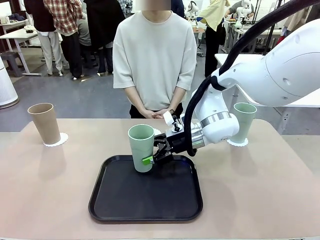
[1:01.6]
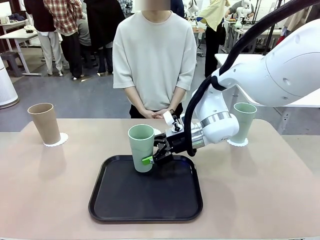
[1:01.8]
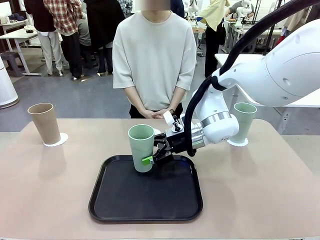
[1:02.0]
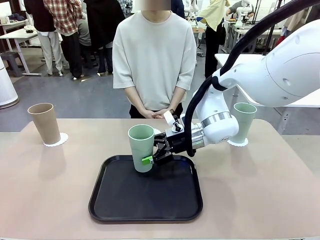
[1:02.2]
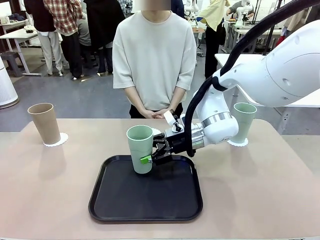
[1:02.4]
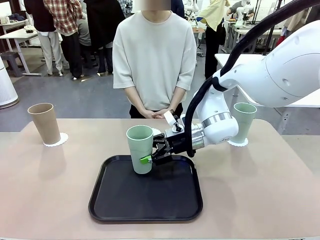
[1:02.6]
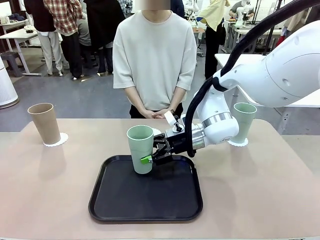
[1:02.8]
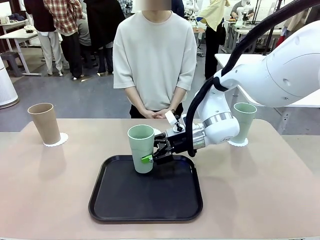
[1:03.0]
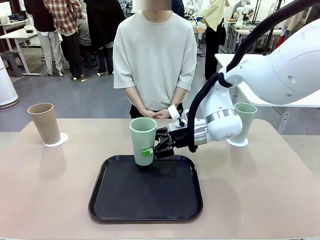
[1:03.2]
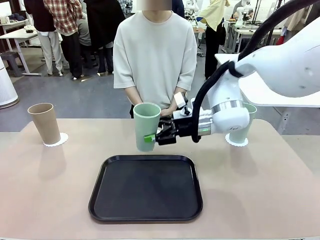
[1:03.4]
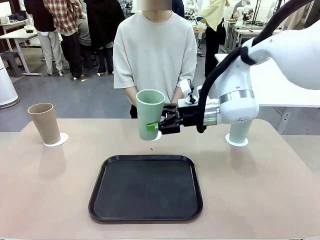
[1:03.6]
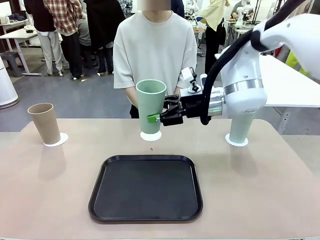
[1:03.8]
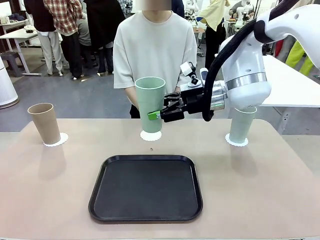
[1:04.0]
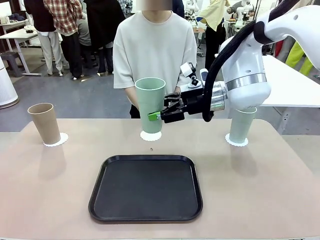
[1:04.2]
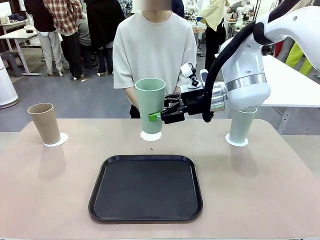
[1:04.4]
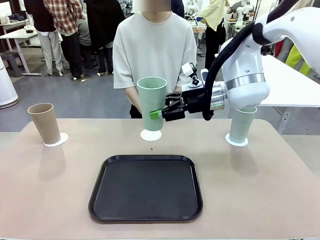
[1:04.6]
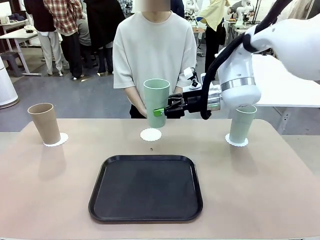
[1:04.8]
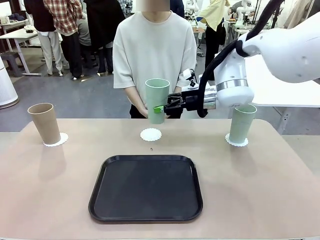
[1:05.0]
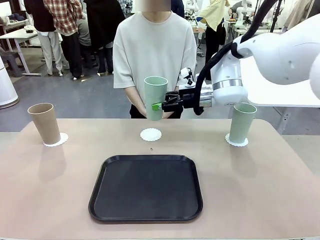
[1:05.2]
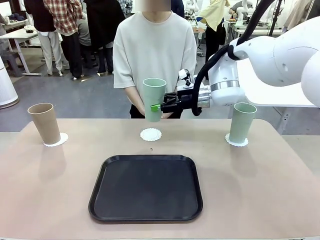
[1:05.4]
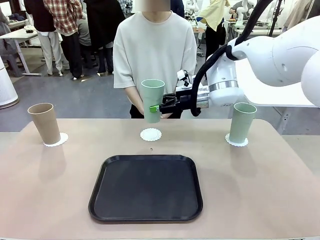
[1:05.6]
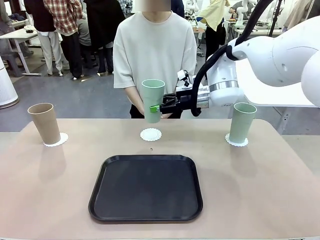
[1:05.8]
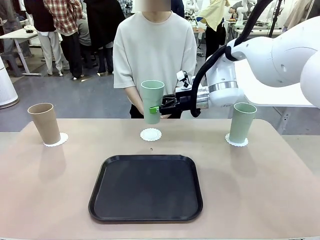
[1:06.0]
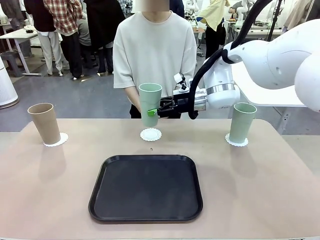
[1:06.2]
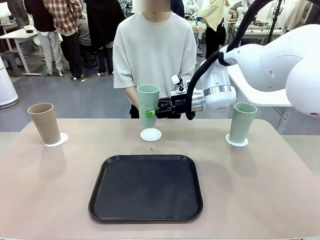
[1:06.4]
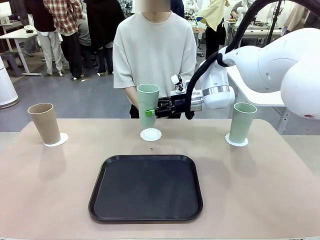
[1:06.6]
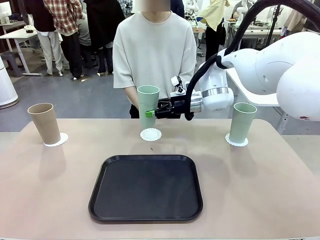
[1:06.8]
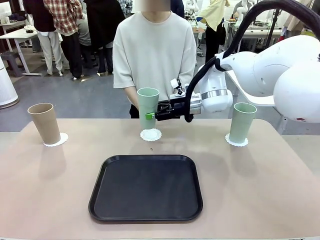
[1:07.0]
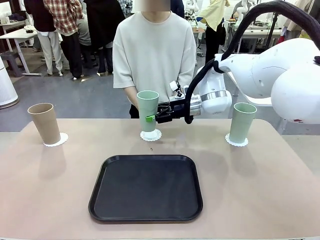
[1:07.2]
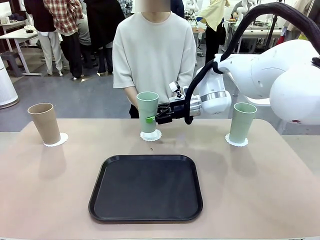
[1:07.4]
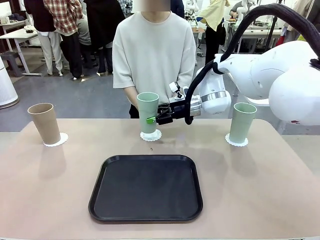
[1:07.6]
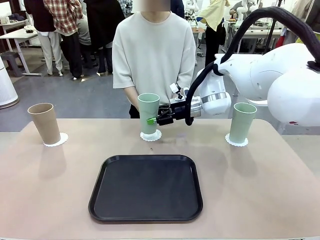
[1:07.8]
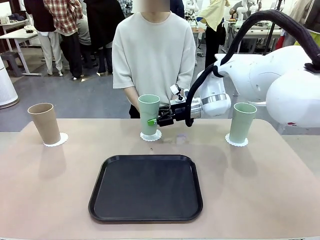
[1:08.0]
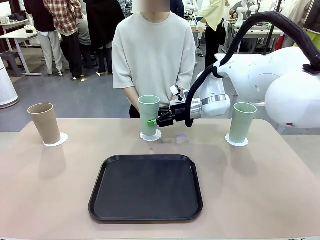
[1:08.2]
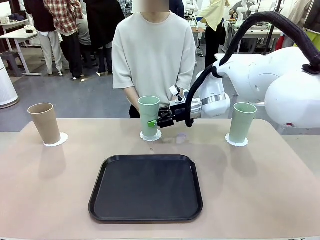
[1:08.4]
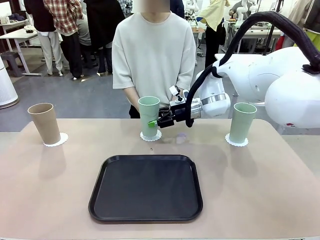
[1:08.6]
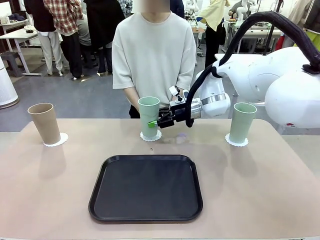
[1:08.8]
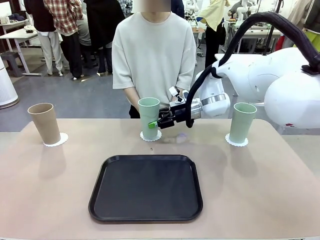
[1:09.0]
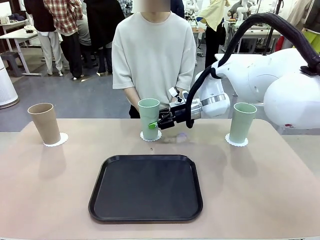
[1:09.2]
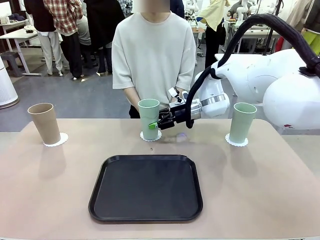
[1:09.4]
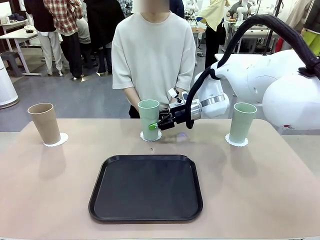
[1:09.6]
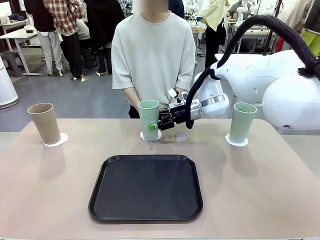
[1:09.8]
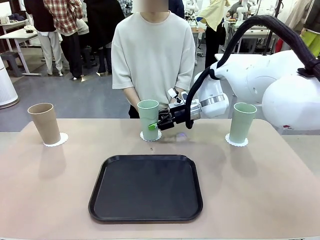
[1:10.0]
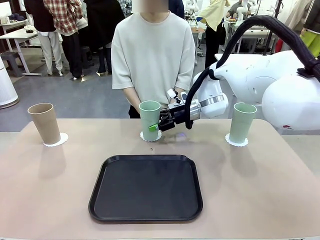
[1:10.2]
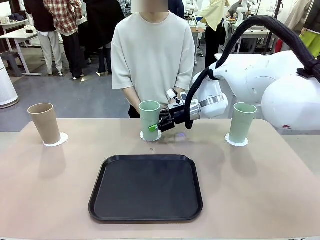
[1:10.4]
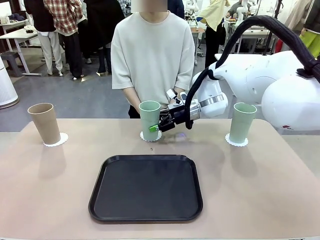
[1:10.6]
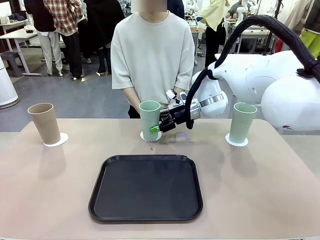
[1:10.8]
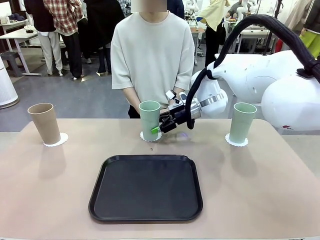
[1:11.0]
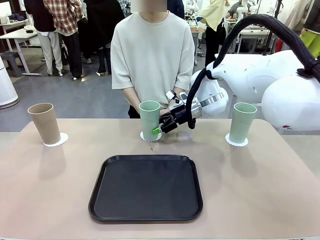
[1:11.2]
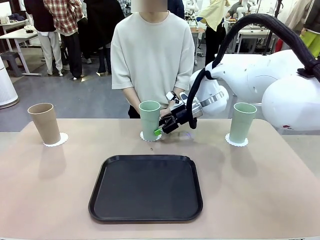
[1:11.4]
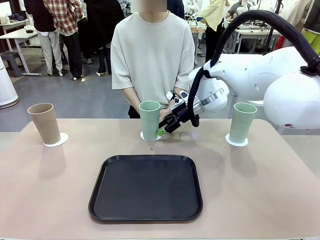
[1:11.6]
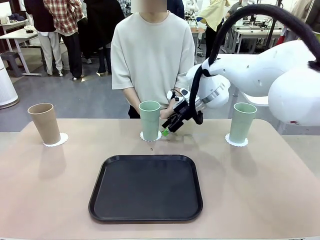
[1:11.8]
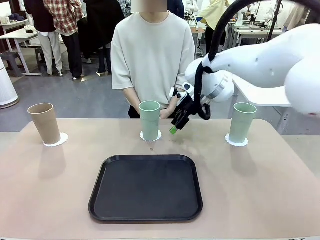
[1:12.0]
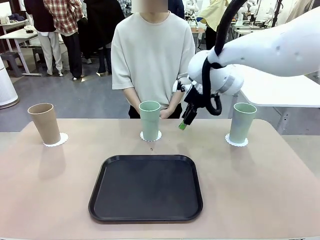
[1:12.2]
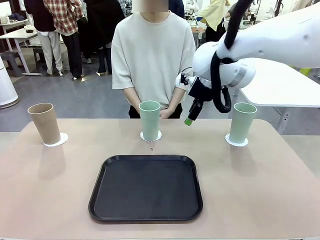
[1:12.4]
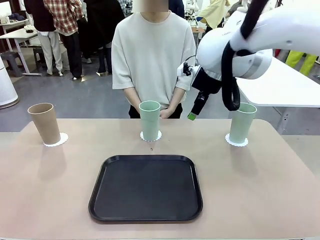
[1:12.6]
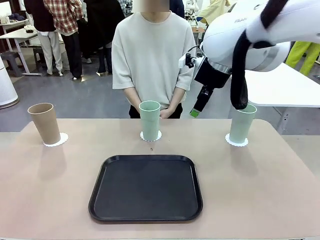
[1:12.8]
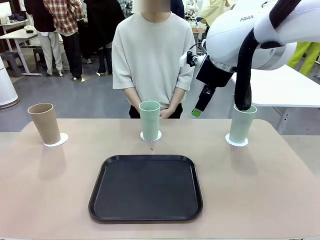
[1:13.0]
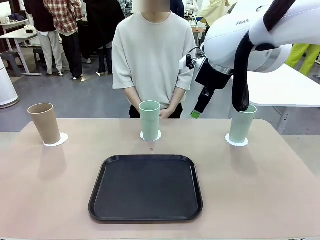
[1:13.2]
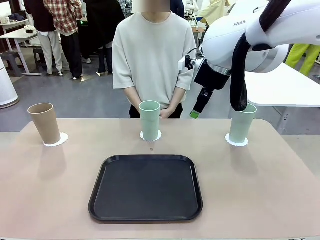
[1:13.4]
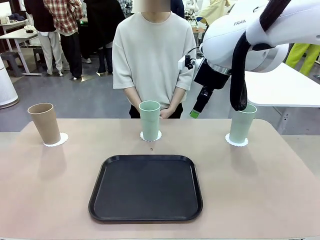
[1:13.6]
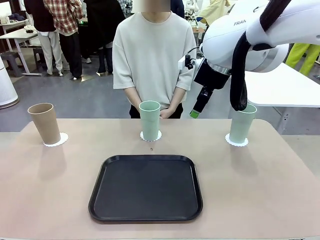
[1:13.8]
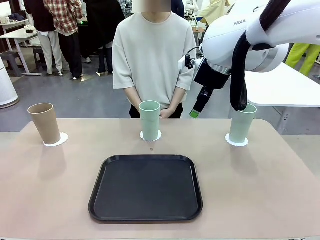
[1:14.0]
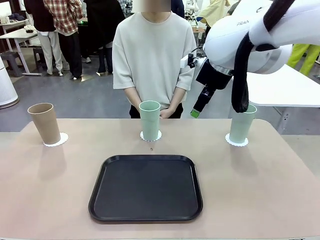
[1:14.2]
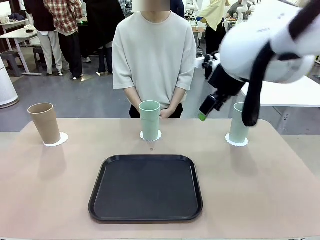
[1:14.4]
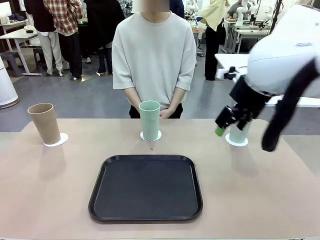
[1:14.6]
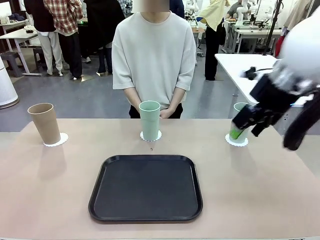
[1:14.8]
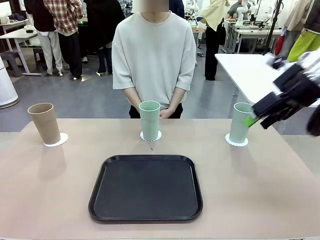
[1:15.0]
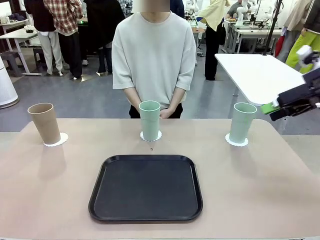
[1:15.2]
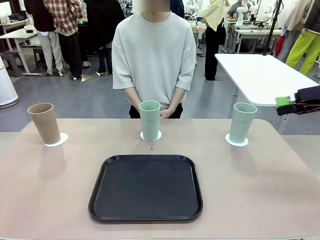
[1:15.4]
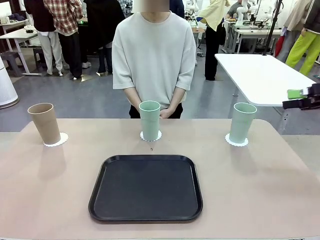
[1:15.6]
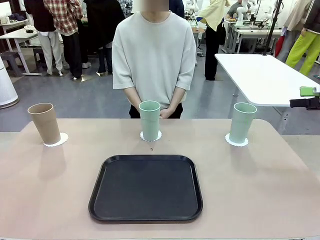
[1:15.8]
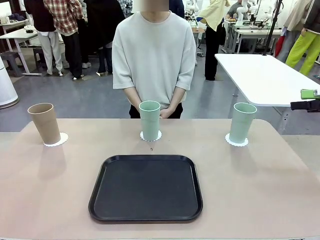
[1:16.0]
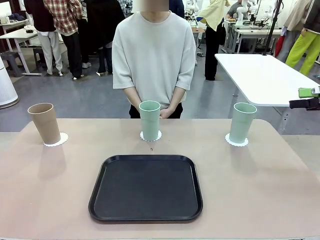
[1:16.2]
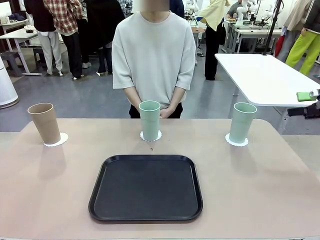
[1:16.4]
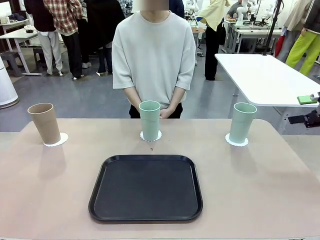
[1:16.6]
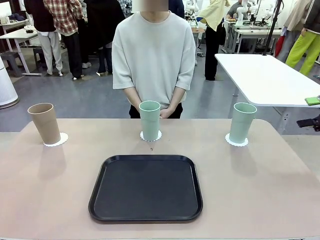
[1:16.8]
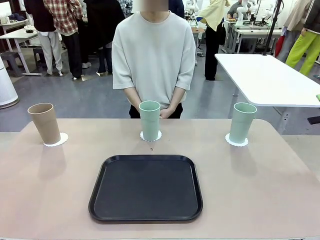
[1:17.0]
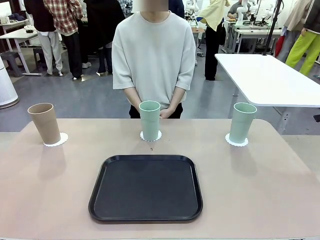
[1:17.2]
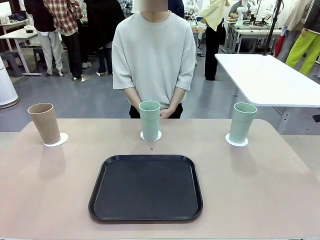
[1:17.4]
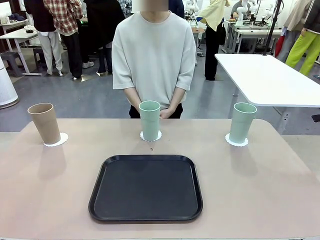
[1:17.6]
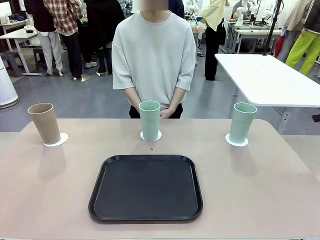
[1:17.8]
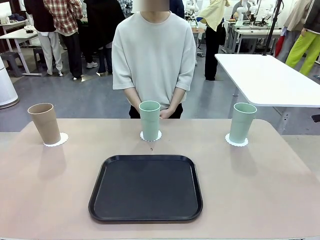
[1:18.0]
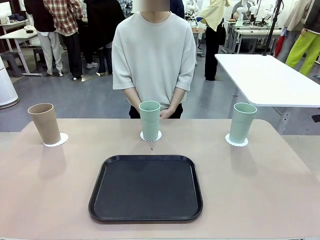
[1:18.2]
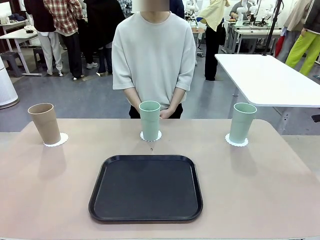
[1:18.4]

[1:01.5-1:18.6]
Task: Place coasters on the table and set cups on them.
Robot: Take one Reusable plastic cup from the Flat Tray and place it on a coaster set by the human.
